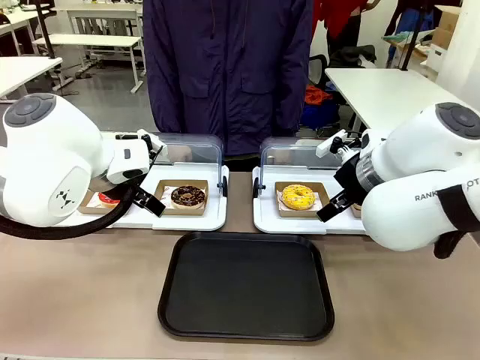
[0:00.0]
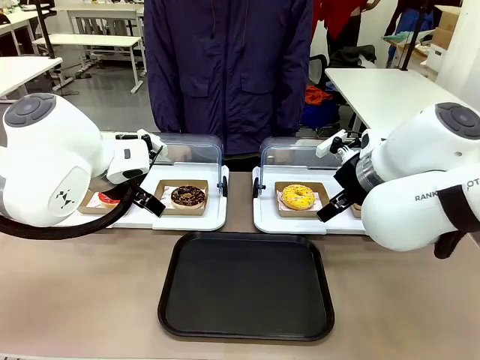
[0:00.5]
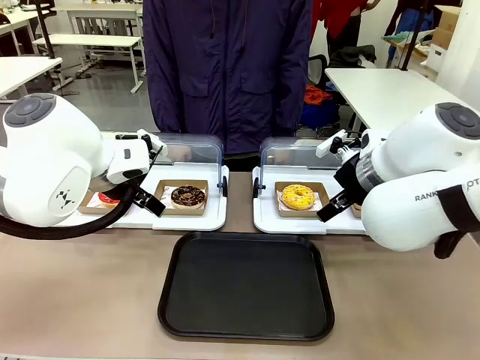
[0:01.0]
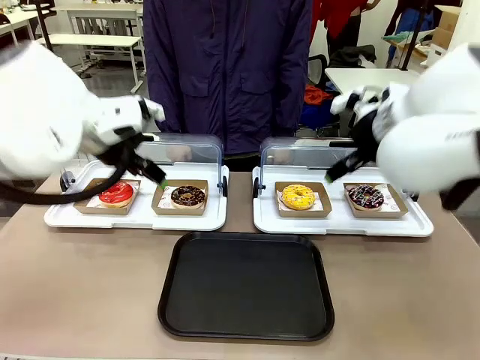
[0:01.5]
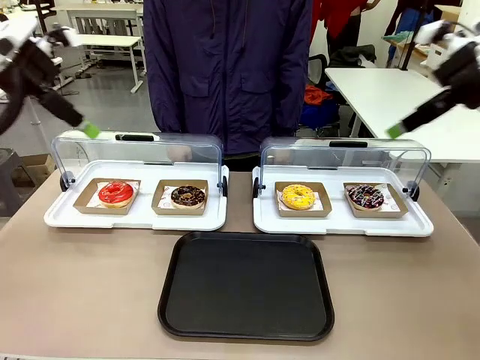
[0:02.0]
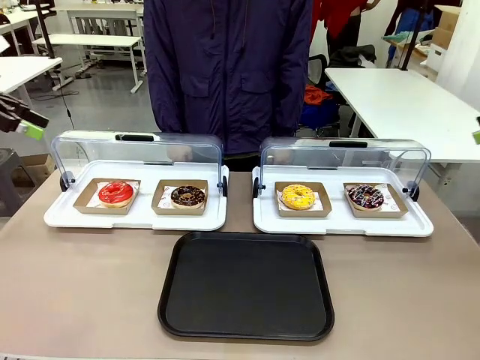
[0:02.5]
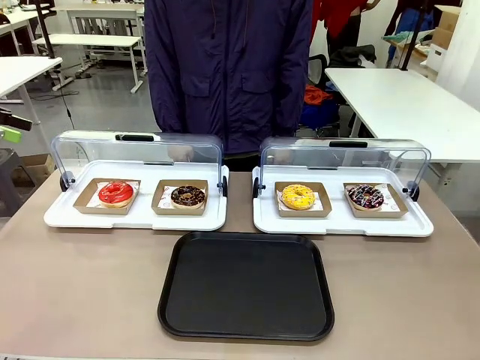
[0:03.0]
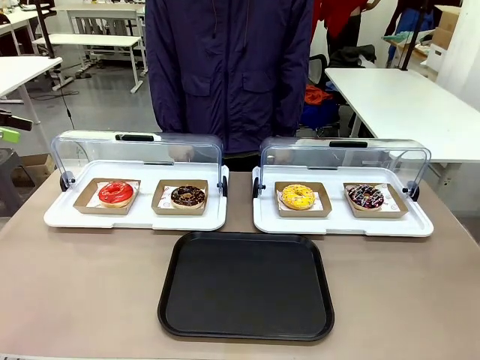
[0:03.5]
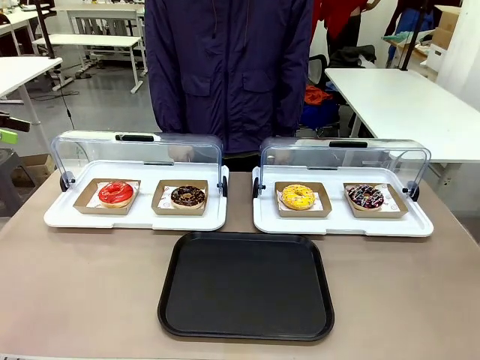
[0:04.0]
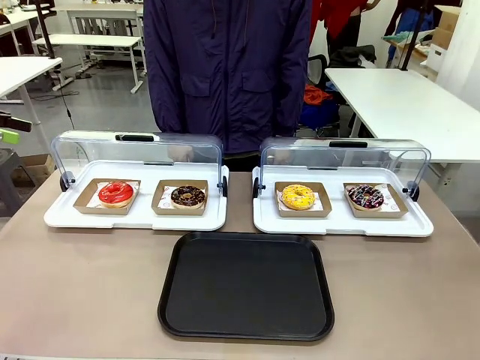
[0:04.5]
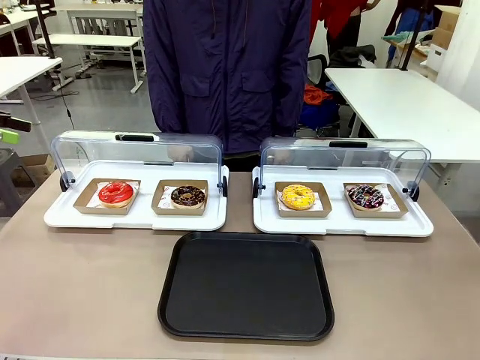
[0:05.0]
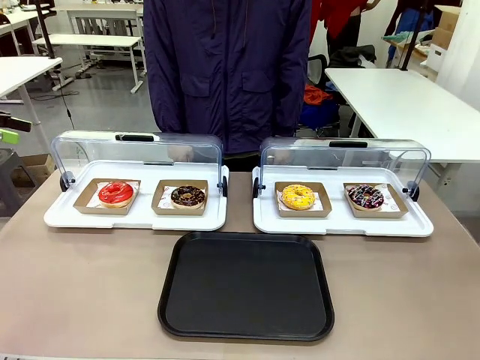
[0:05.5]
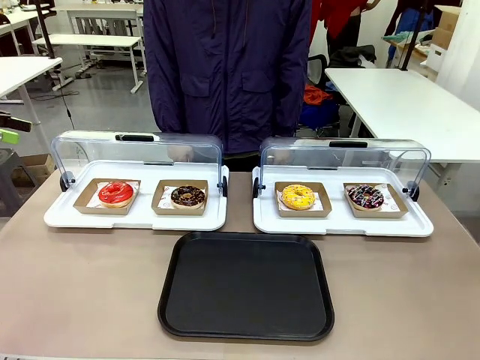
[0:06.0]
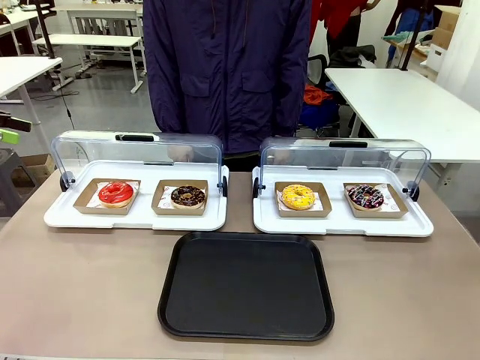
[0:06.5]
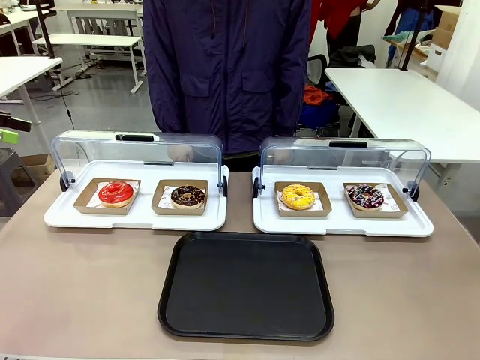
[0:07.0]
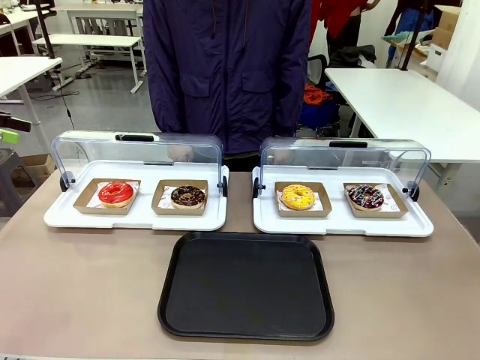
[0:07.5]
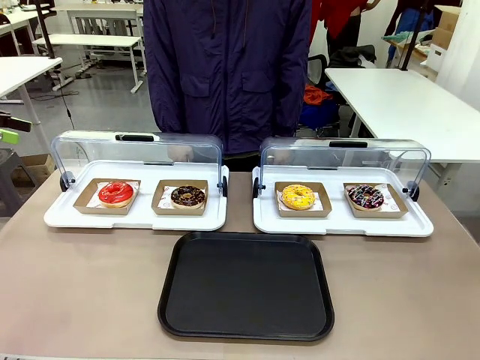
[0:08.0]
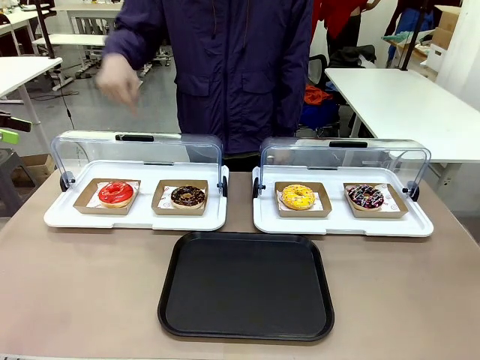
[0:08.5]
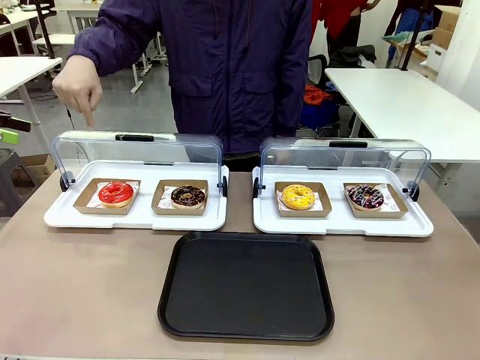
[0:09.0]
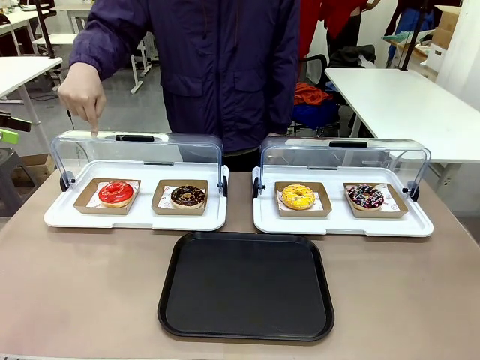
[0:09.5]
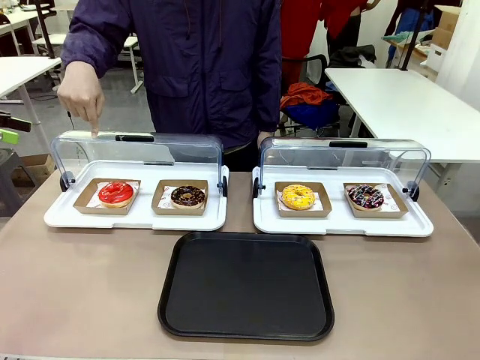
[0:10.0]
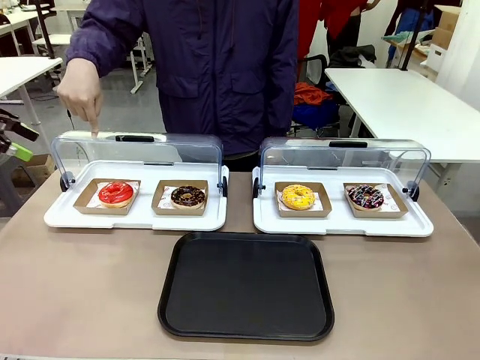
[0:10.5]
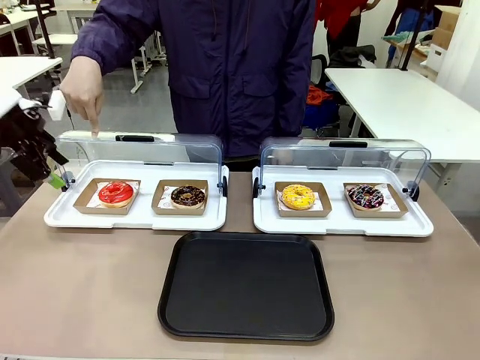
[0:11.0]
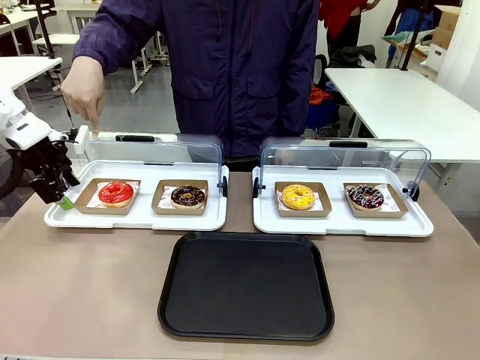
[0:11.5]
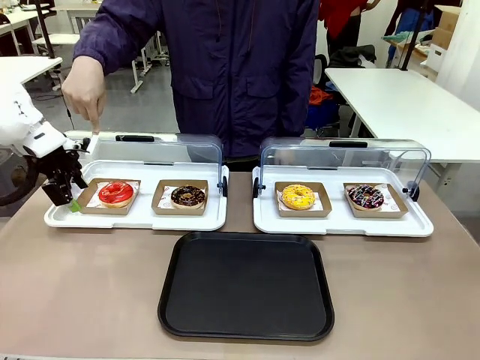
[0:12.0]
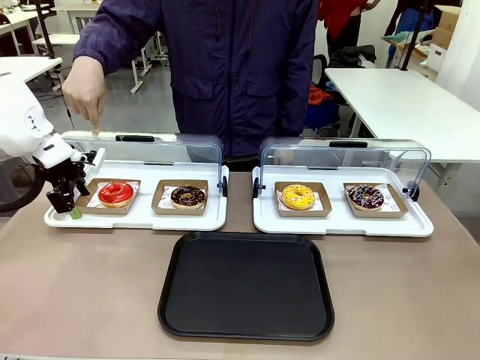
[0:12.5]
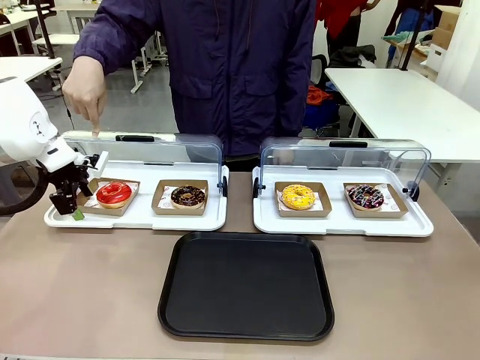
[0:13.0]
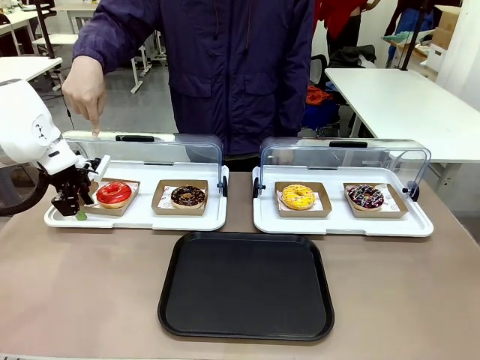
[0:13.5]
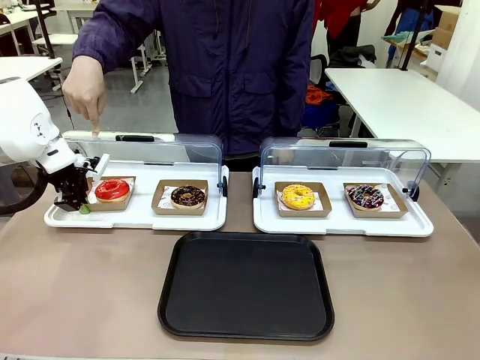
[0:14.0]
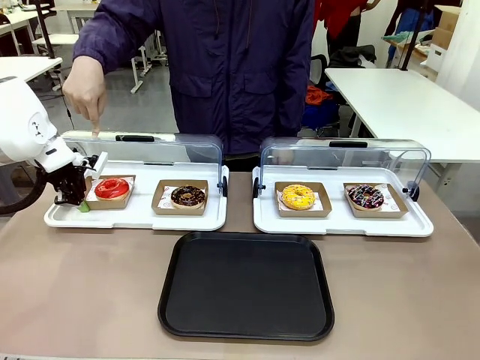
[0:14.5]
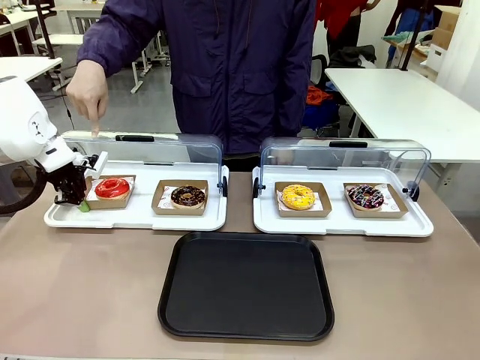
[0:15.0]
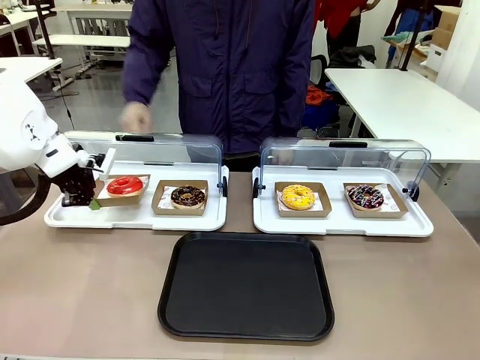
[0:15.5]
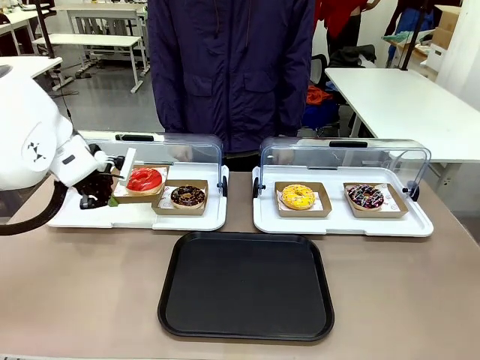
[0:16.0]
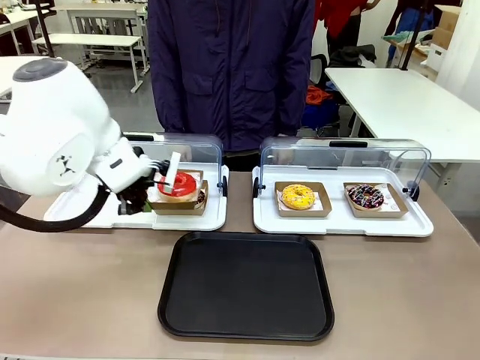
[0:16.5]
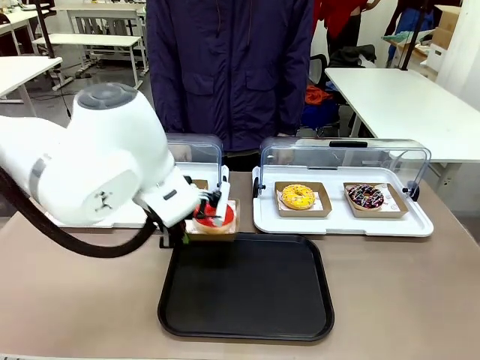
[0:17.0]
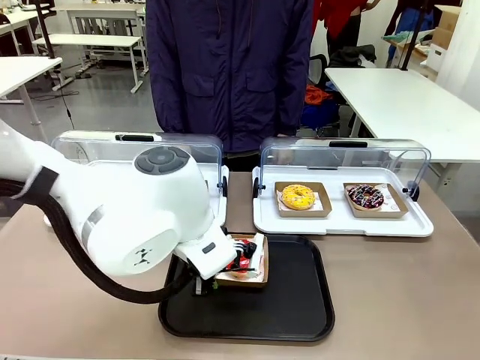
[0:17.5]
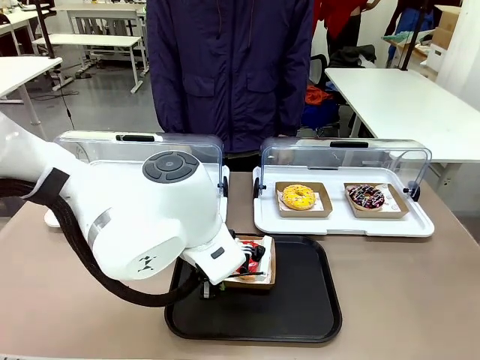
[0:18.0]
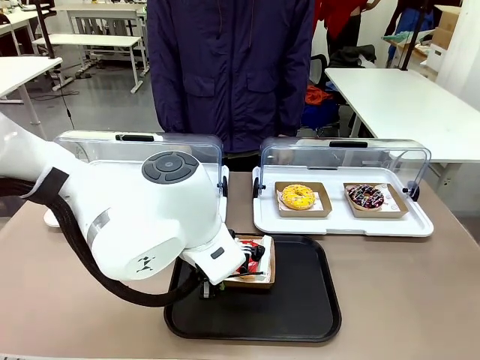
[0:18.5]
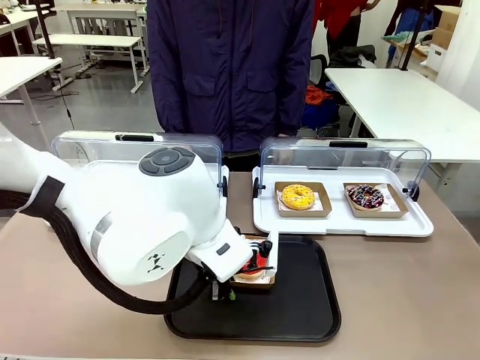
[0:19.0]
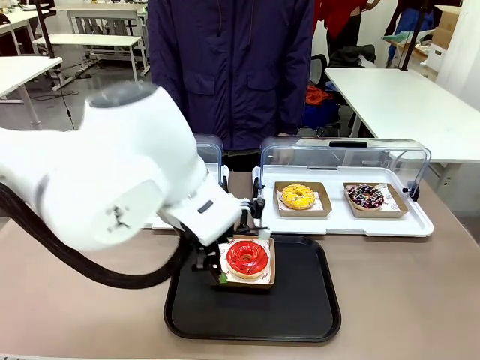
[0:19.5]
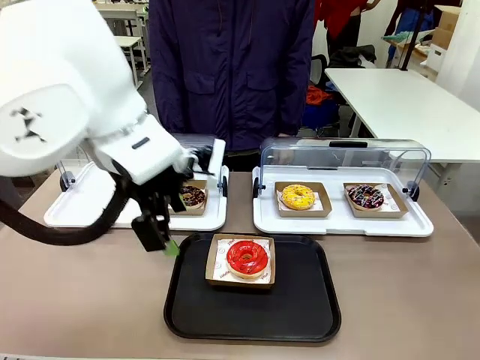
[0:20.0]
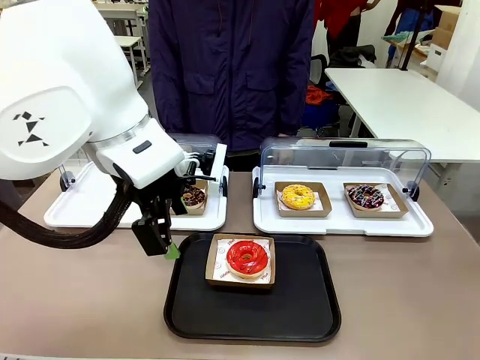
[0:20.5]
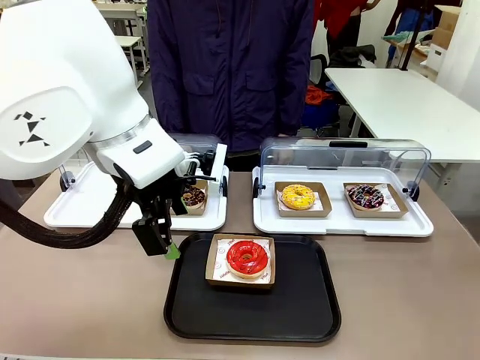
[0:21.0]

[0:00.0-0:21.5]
Task: Move the first donut from the left to the tray.
Robot: Pick up the Paper togo box containing the Donut indicated by the person and place it on the Handle tray.
Person: Points to the first donut from the left from the robot’s perspective.
